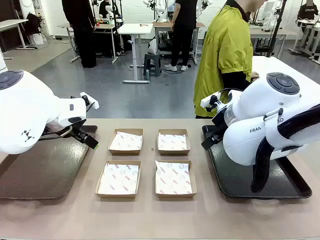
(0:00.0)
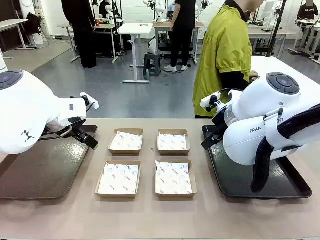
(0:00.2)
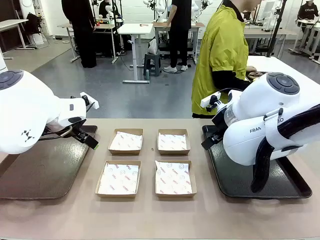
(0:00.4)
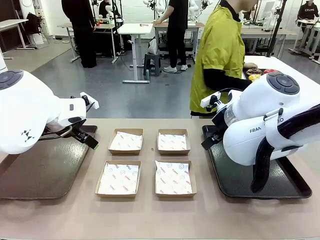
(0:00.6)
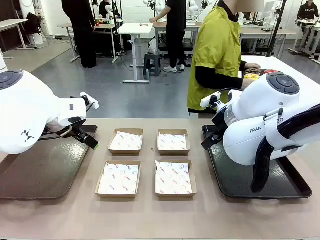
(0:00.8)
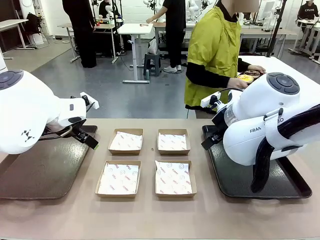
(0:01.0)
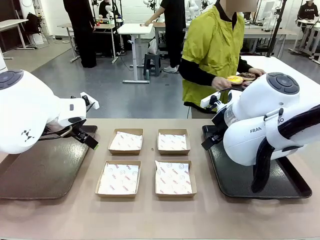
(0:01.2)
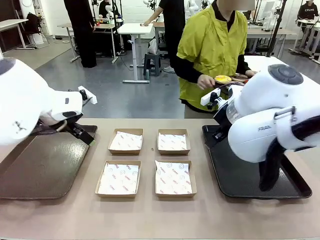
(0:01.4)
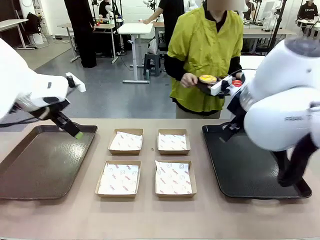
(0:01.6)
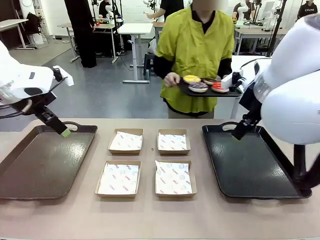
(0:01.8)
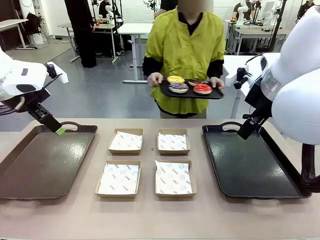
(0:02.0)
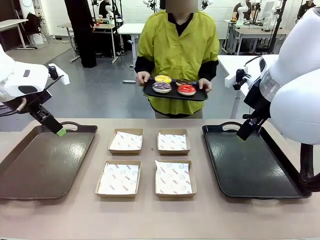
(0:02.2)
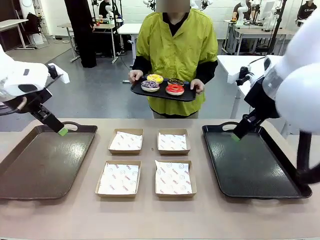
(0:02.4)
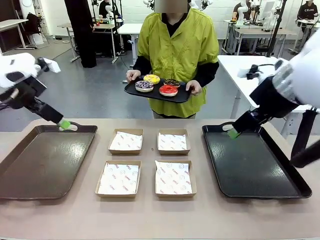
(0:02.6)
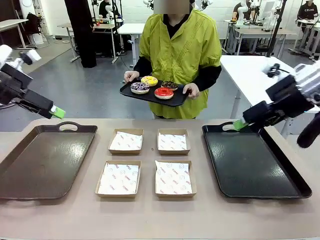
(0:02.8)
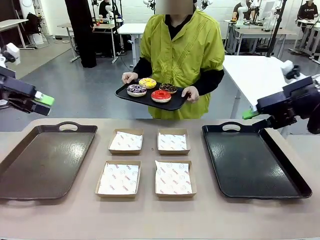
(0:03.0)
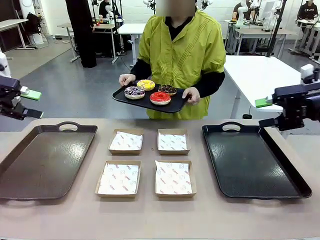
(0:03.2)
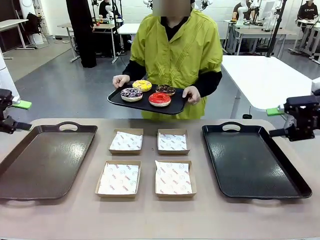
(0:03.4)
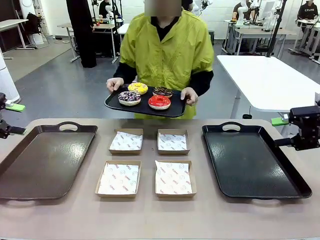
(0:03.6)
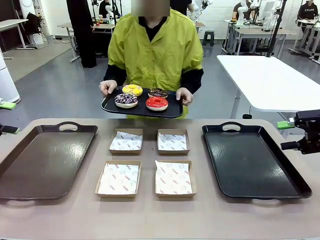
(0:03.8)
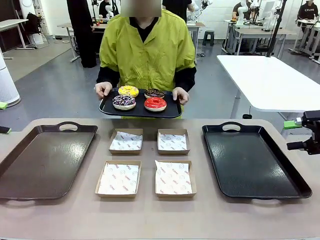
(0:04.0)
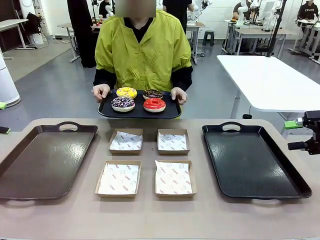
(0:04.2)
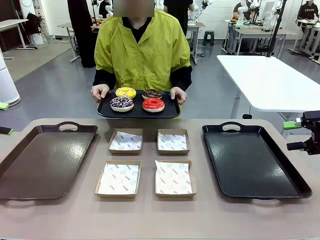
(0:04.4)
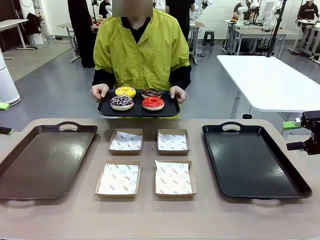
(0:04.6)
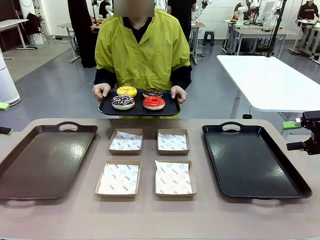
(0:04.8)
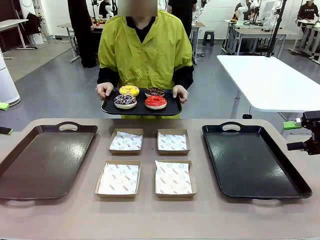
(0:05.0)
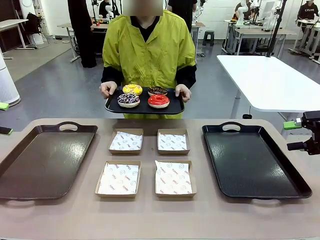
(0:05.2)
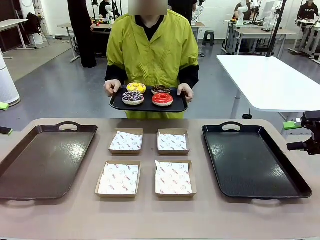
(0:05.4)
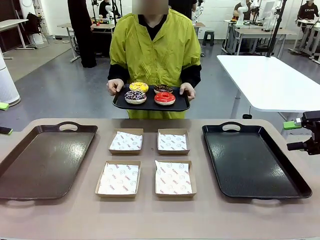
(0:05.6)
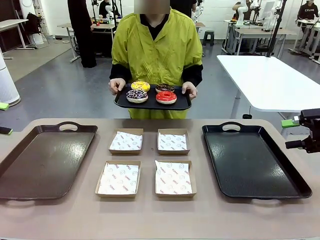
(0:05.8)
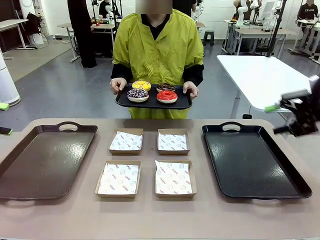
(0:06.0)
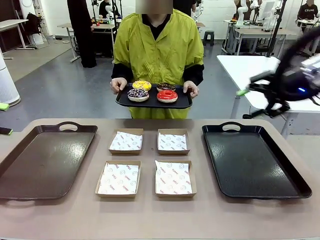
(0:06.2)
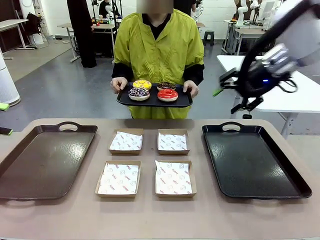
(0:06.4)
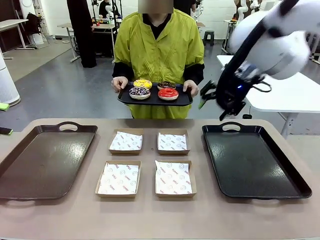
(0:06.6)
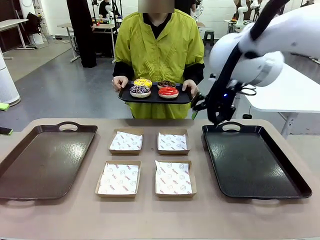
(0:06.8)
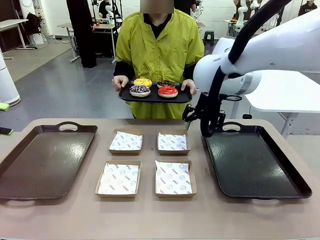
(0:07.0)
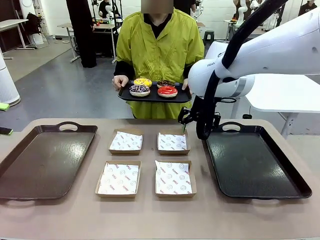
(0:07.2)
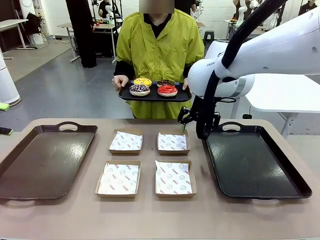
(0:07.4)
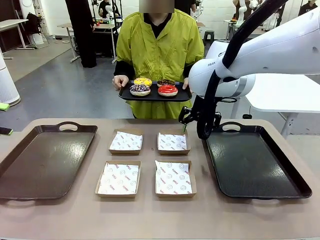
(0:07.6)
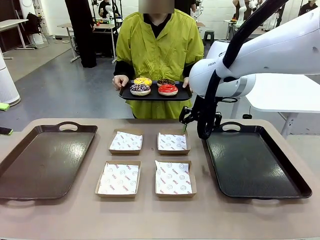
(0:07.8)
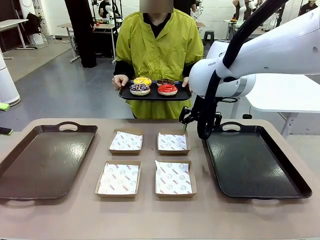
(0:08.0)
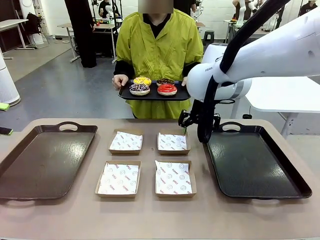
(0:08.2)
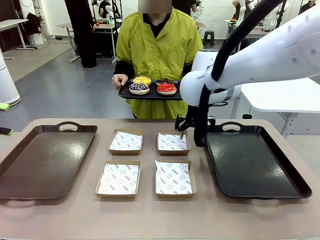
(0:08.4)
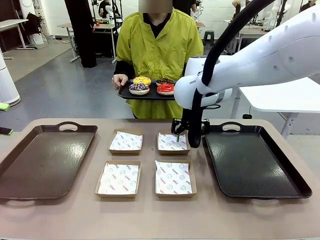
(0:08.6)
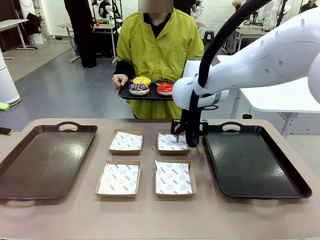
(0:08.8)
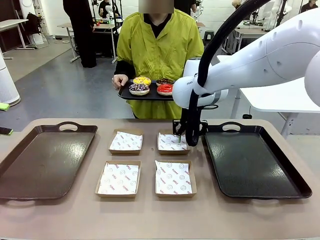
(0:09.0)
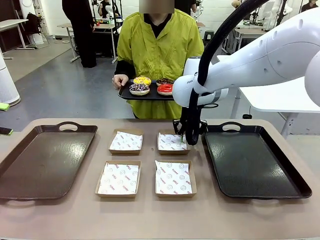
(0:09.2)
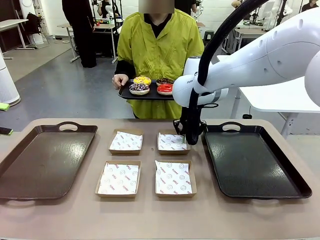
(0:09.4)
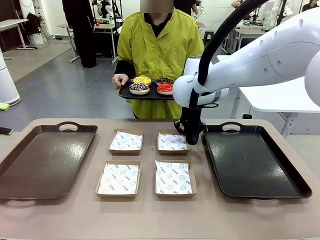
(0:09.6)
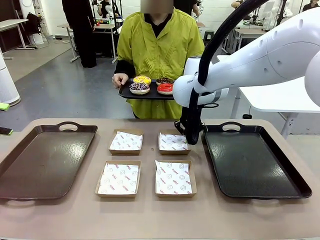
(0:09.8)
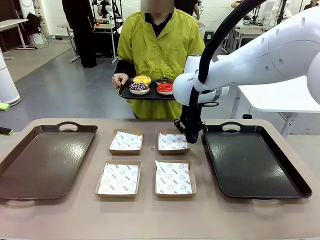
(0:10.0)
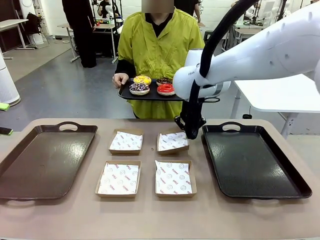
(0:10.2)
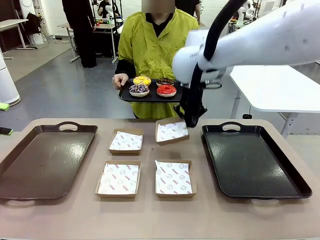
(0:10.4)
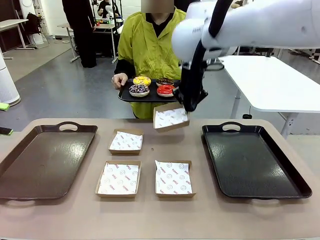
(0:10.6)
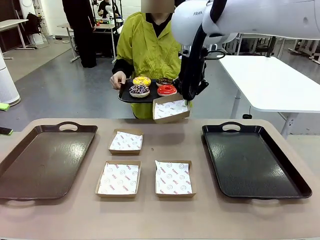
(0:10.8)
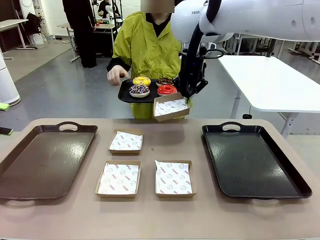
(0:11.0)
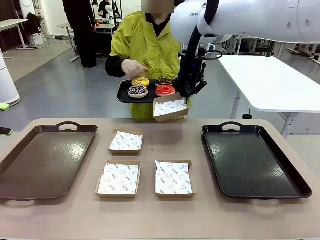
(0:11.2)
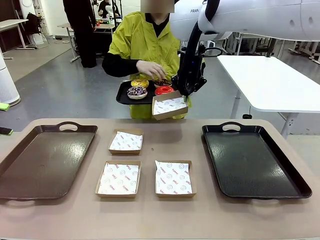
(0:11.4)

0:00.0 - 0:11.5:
Task: Individually package the donuts and arrange them on the tray.
Robot: Pick up one Paper togo box.
Person: Stand in front of the robot table holding the tray containing the donuts.

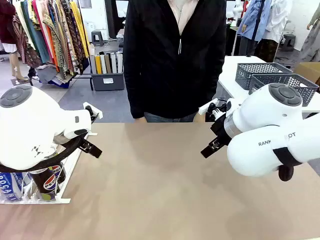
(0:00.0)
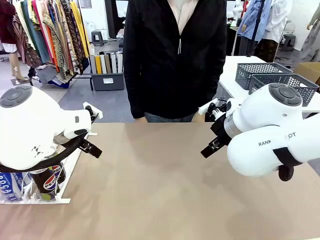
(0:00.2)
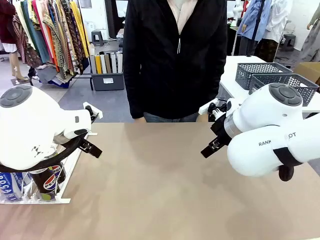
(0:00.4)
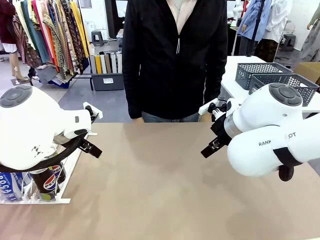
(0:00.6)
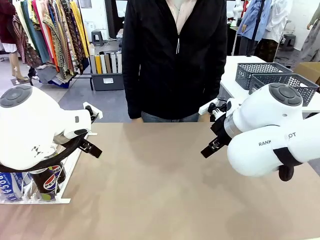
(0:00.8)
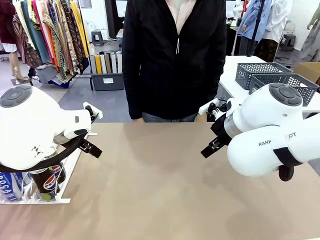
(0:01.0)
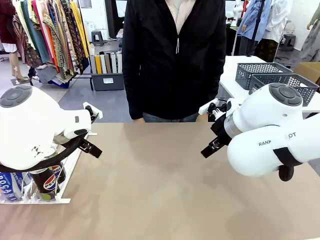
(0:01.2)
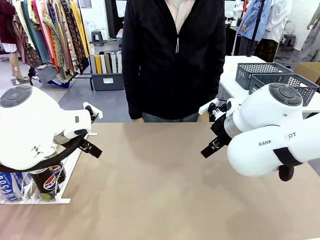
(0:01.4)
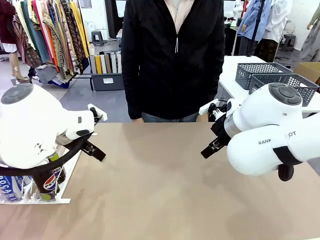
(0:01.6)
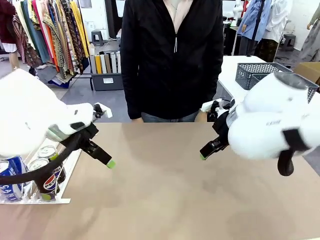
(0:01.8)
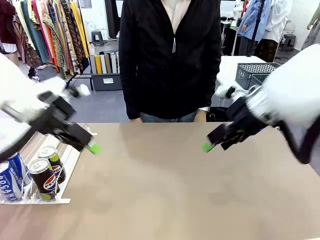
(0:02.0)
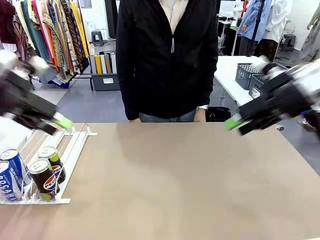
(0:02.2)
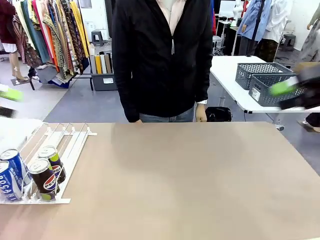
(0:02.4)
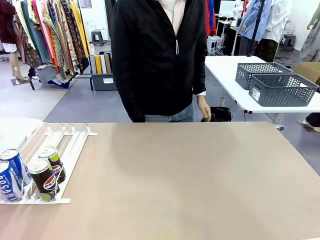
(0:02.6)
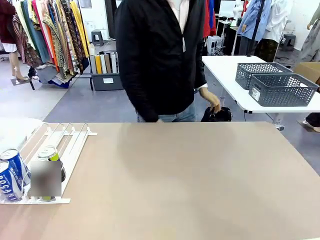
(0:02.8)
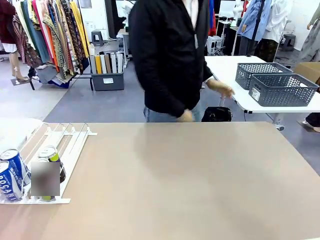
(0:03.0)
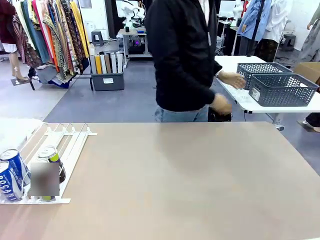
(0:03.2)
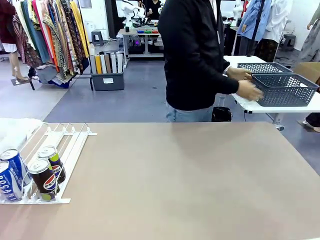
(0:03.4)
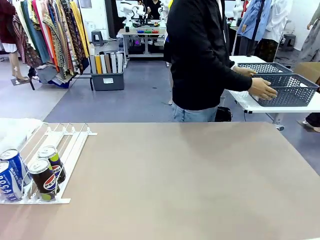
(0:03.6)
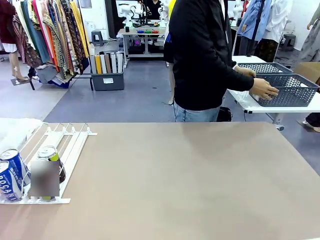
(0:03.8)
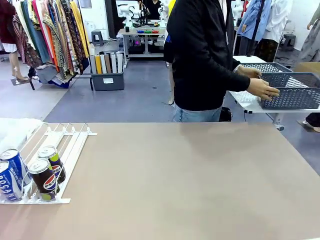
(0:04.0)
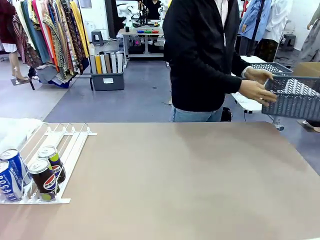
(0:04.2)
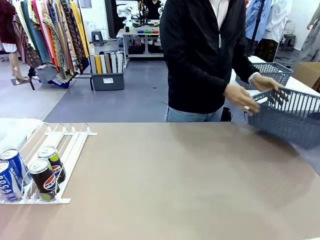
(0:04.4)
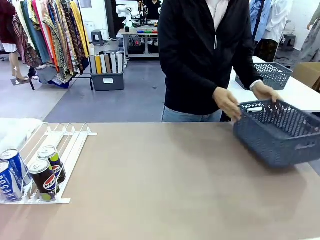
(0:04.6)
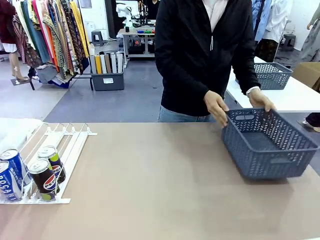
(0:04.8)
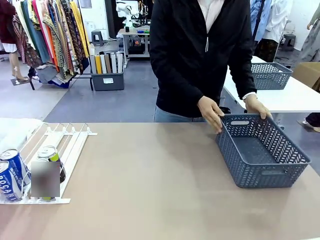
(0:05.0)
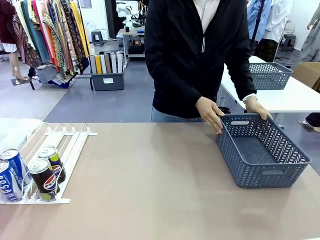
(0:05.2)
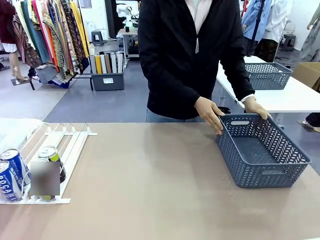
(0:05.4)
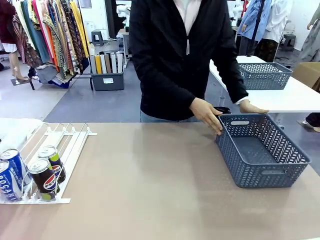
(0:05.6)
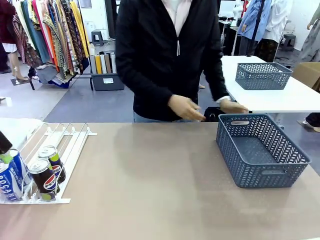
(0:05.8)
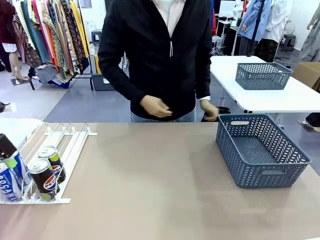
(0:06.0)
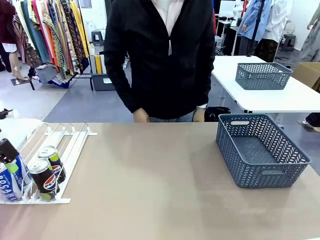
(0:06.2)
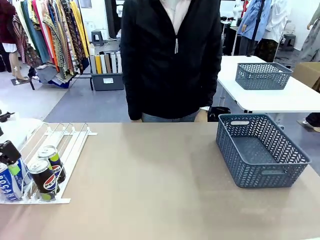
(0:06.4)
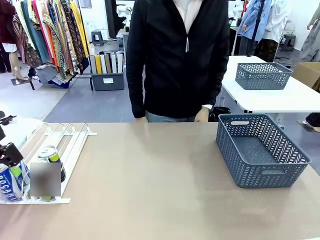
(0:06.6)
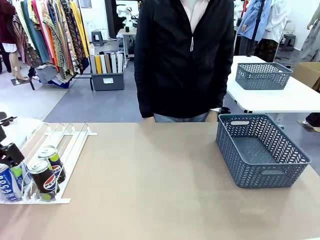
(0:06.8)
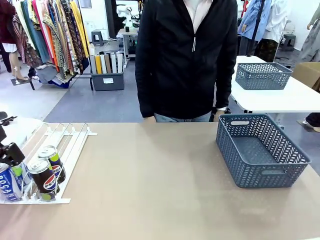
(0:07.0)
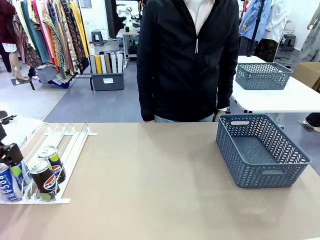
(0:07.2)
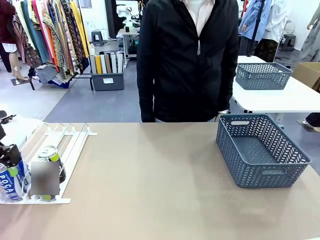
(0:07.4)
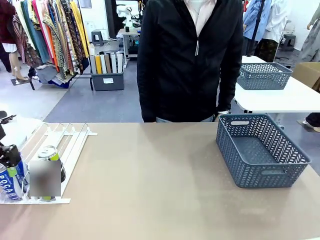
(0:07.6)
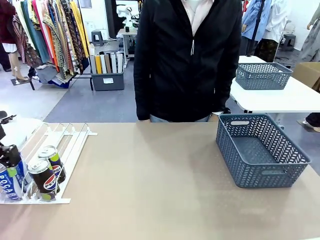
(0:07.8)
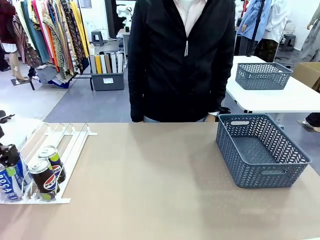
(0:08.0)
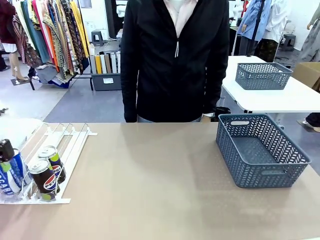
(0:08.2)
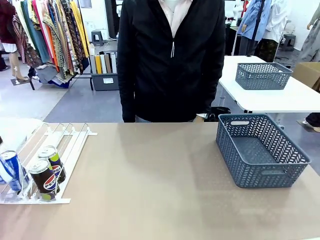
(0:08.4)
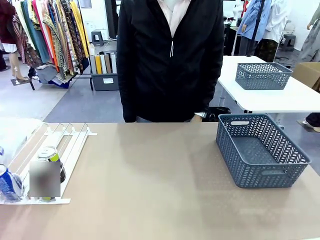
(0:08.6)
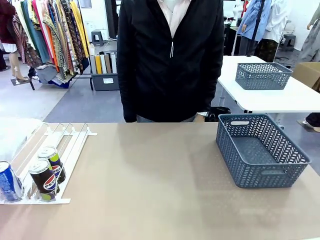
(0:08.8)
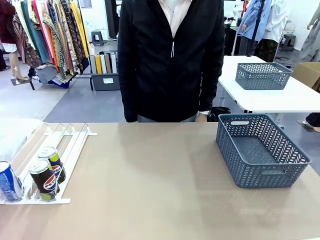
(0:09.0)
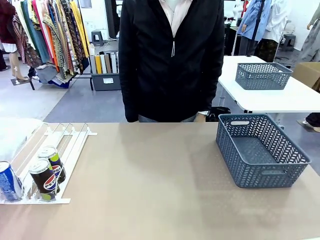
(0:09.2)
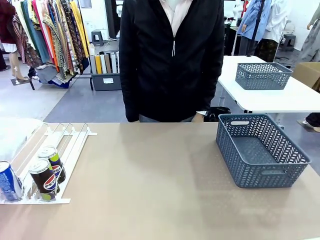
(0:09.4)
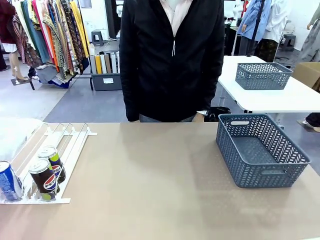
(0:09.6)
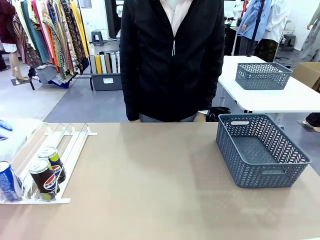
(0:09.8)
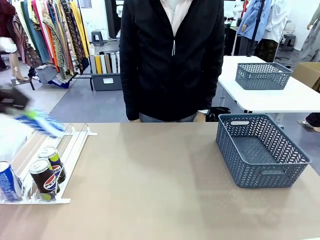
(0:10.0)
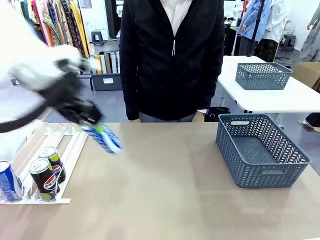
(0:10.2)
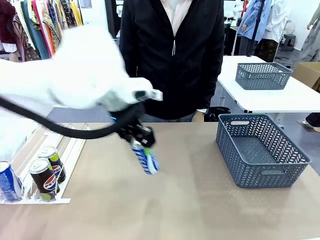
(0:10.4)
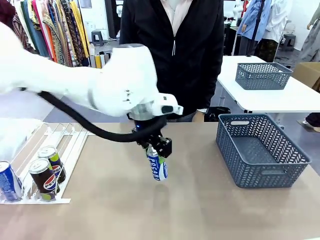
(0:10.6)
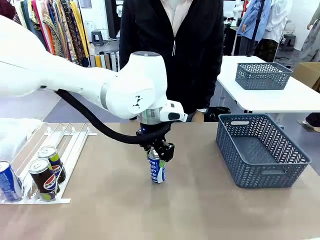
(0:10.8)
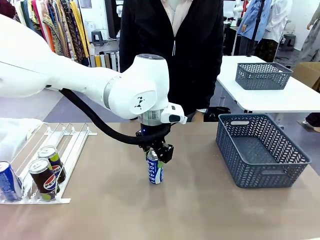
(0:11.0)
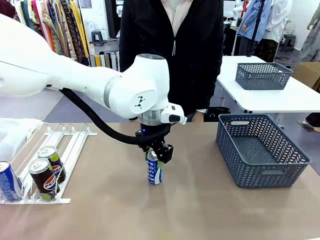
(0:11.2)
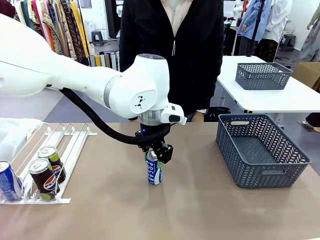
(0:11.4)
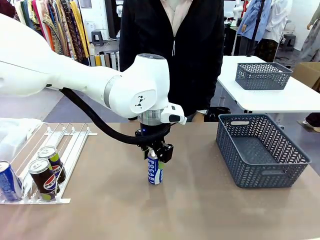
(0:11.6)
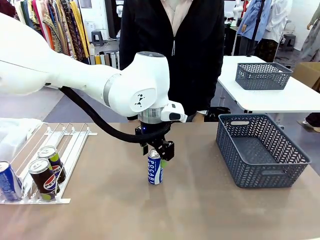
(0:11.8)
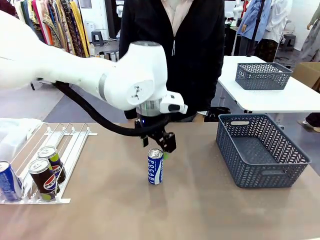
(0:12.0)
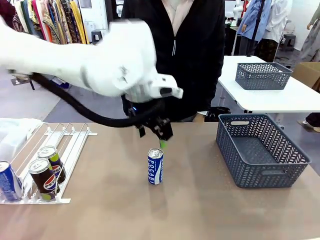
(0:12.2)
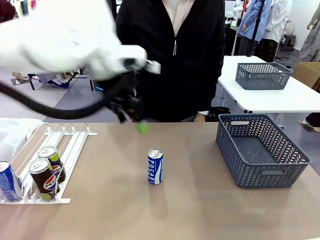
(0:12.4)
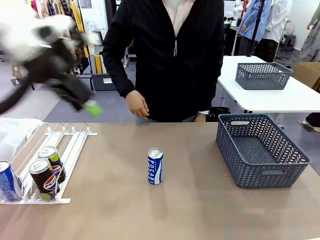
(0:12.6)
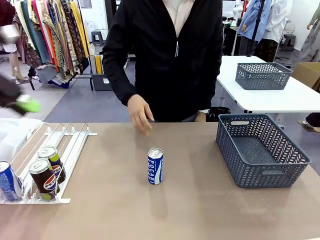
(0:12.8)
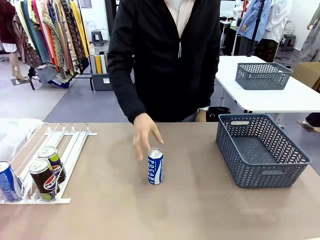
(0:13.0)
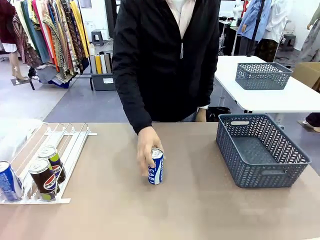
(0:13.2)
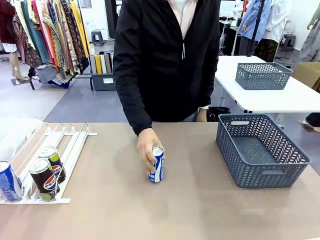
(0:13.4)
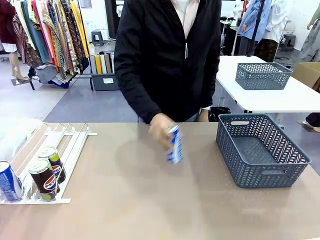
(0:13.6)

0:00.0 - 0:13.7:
Task: Retrieve and store the cans from the dispenser.
Robot: Pick up one can from the Automatic Can Dispenser and place it in the middle of the table.
Person: Pick up the basket and place it on the left side of the robot table.
